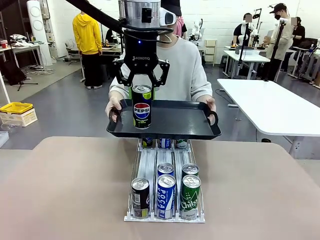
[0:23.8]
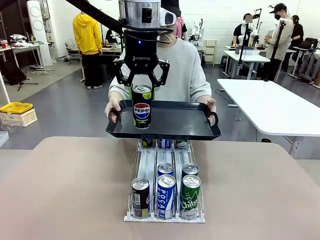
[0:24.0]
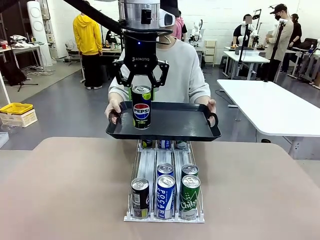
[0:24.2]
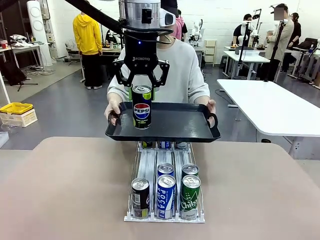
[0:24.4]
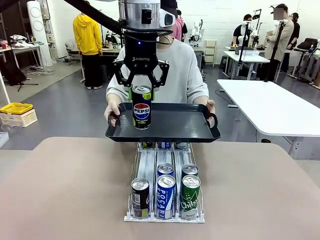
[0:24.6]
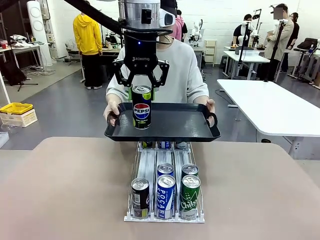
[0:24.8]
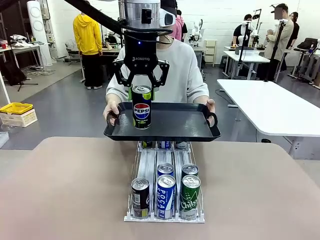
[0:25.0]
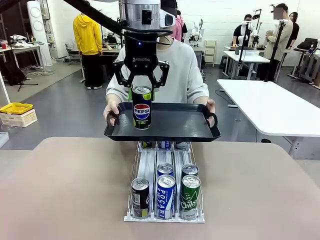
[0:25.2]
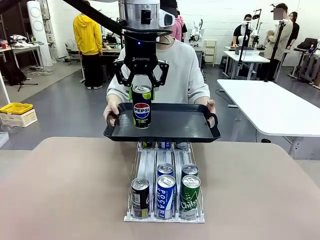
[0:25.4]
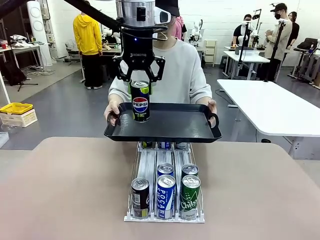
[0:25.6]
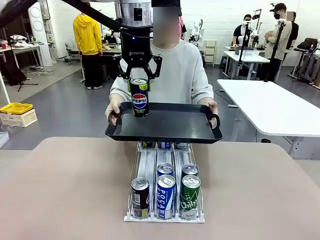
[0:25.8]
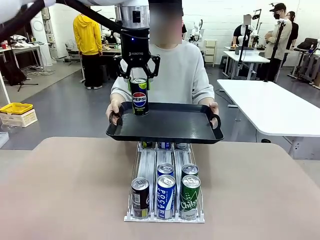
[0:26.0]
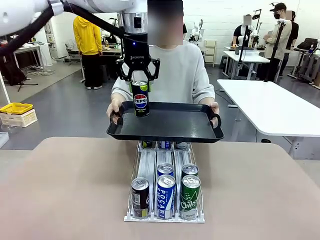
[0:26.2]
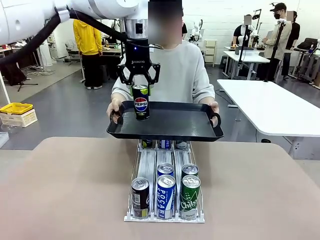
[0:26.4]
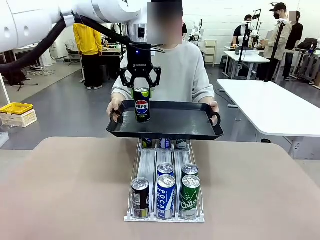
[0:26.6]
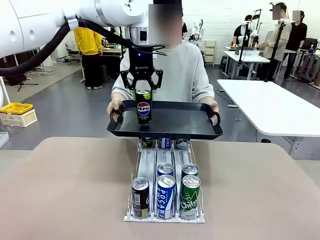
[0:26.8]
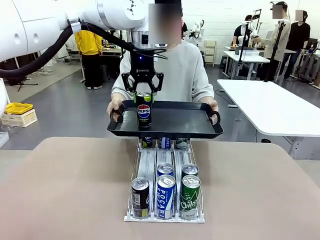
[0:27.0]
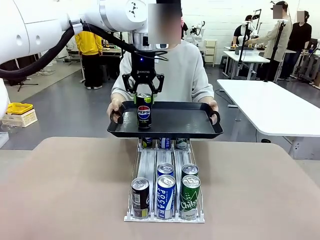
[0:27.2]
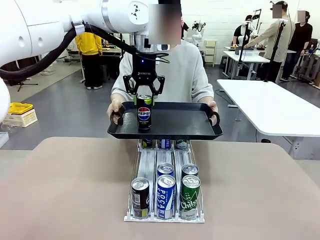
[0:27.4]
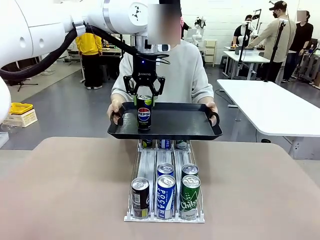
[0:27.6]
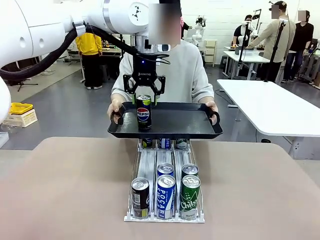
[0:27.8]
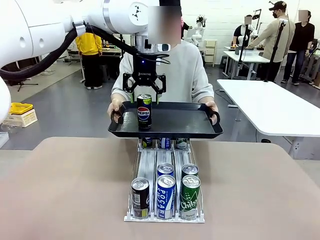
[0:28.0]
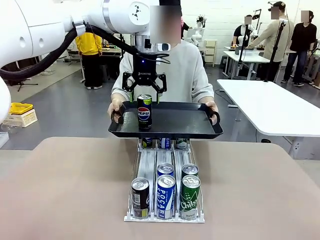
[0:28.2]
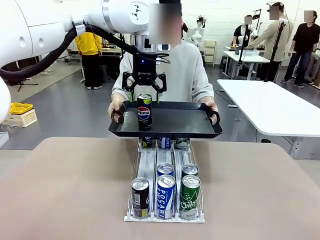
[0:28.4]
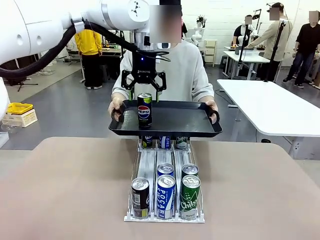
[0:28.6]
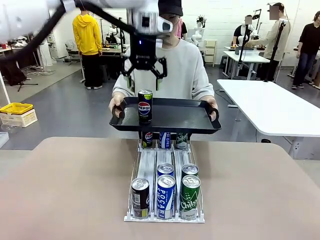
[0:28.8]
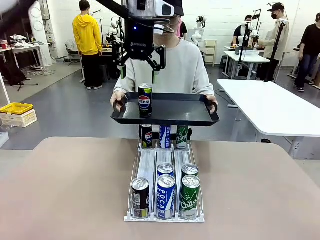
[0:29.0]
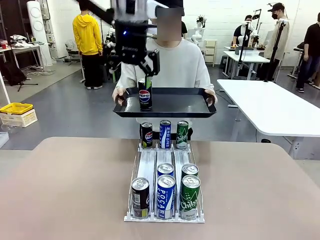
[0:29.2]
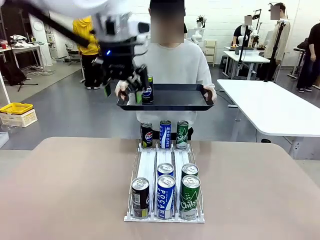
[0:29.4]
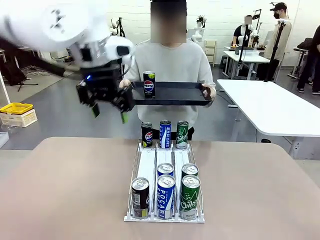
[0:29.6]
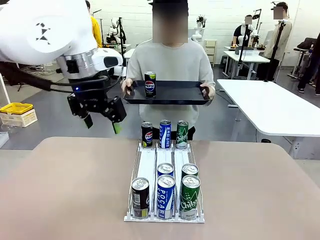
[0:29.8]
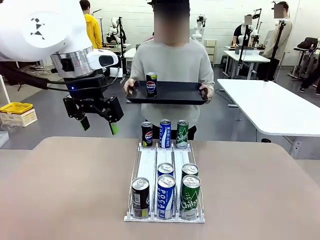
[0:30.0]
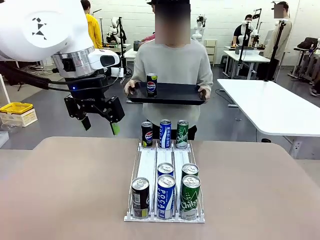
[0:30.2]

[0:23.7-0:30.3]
Task: Retrieve and hand over the desired beverage to the person.
Robot: Place the picked can on the Handle tray extended by the person.

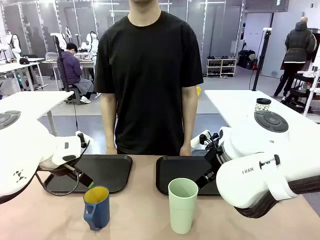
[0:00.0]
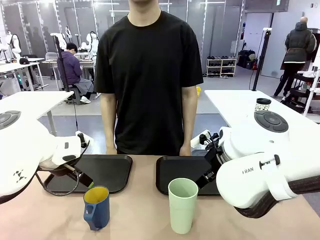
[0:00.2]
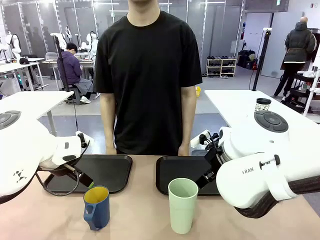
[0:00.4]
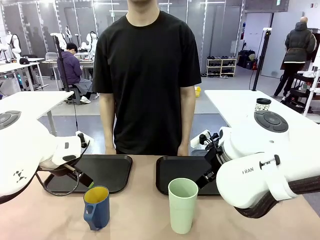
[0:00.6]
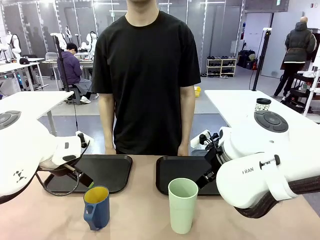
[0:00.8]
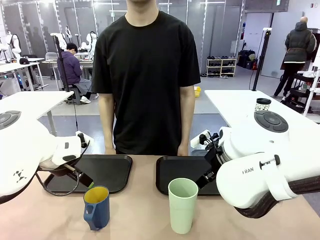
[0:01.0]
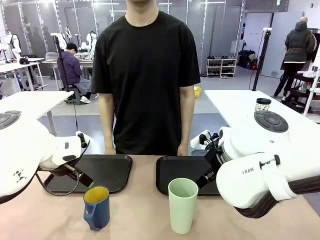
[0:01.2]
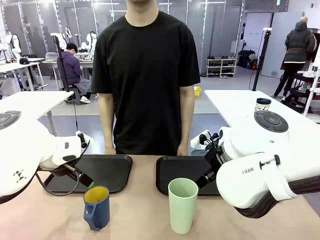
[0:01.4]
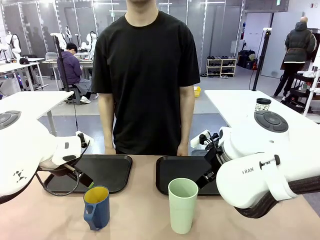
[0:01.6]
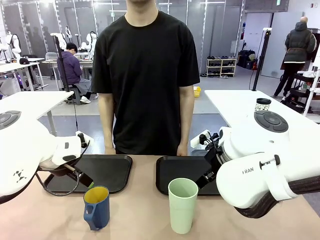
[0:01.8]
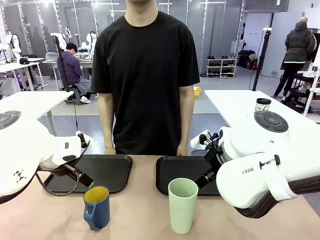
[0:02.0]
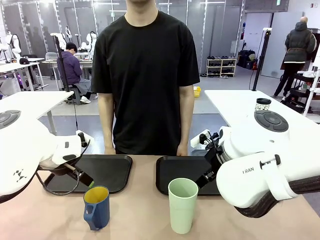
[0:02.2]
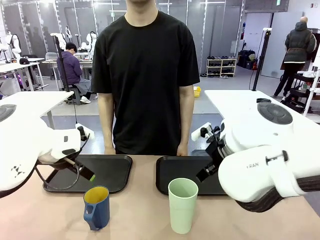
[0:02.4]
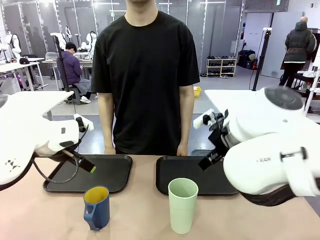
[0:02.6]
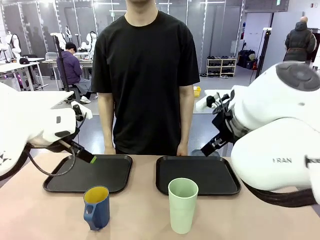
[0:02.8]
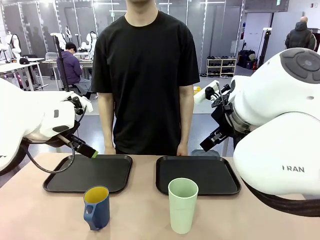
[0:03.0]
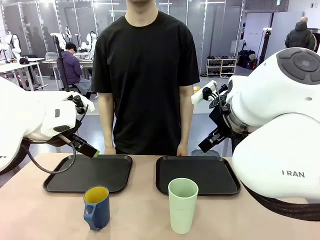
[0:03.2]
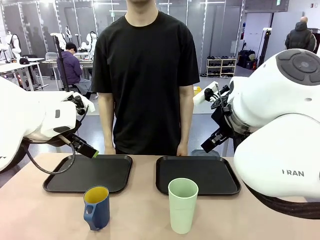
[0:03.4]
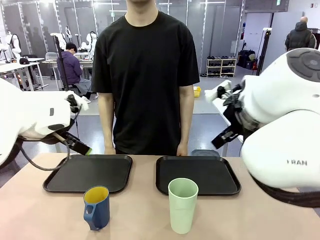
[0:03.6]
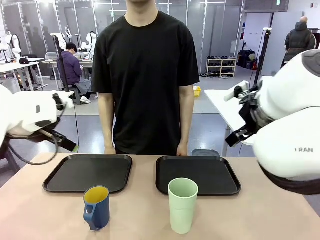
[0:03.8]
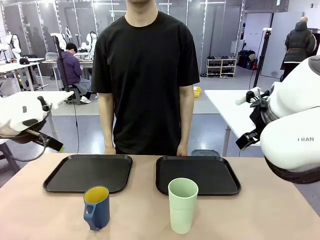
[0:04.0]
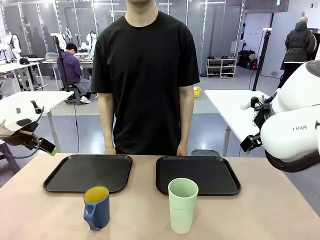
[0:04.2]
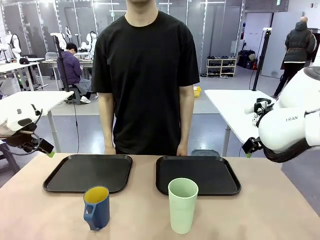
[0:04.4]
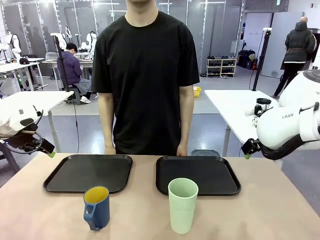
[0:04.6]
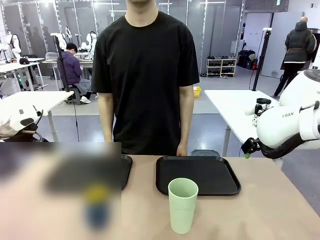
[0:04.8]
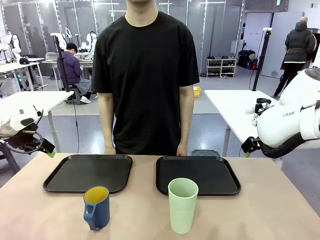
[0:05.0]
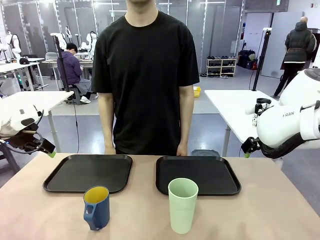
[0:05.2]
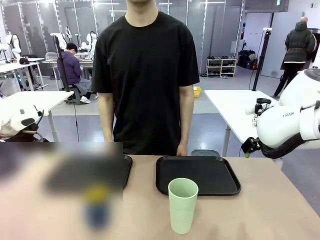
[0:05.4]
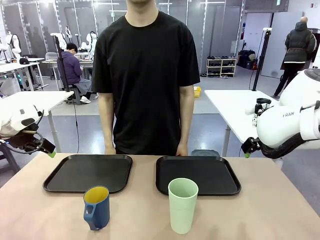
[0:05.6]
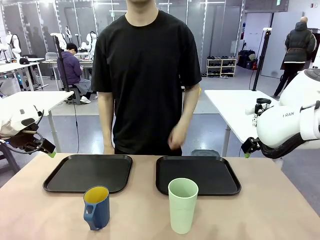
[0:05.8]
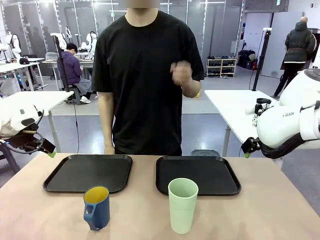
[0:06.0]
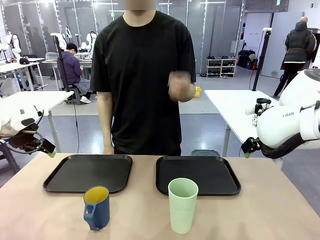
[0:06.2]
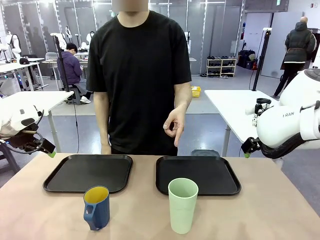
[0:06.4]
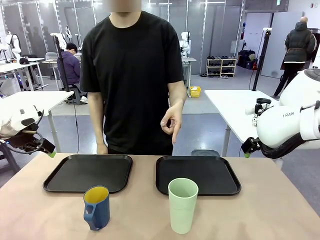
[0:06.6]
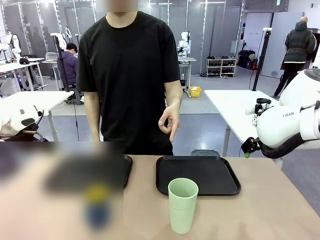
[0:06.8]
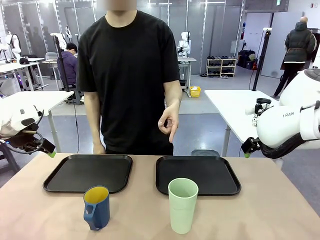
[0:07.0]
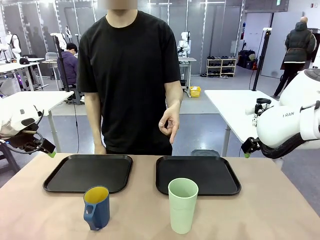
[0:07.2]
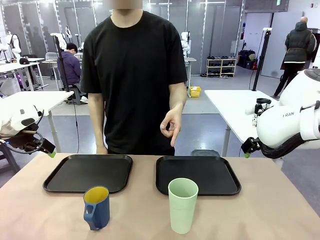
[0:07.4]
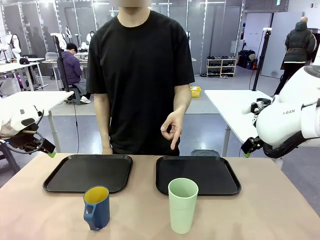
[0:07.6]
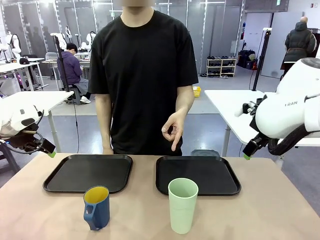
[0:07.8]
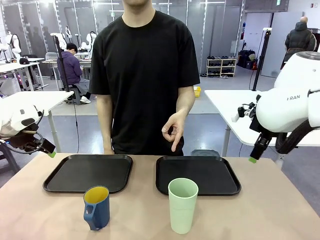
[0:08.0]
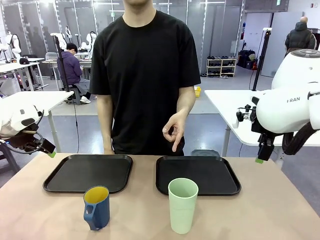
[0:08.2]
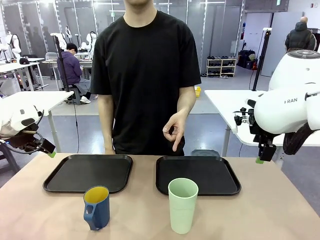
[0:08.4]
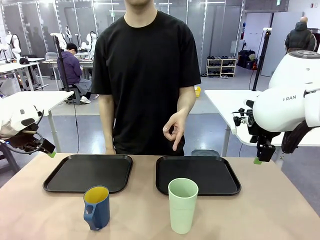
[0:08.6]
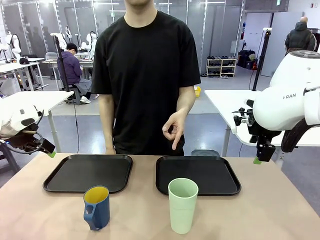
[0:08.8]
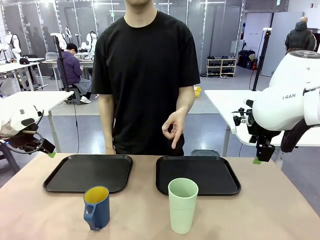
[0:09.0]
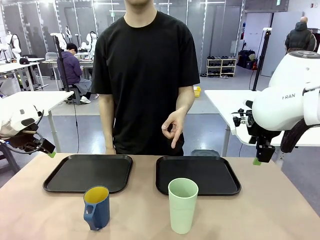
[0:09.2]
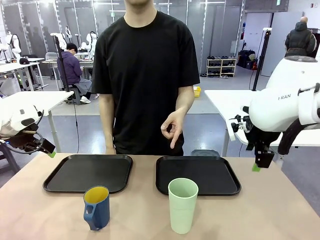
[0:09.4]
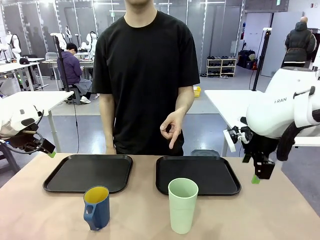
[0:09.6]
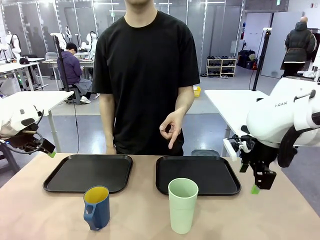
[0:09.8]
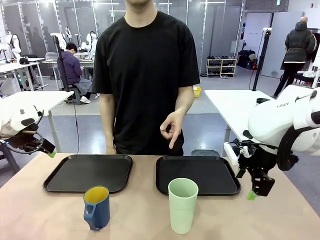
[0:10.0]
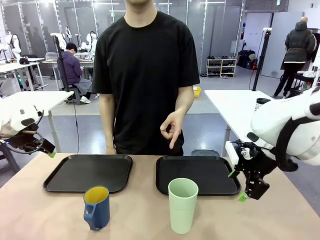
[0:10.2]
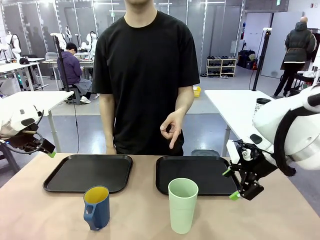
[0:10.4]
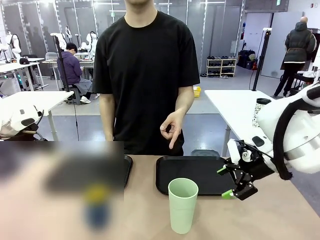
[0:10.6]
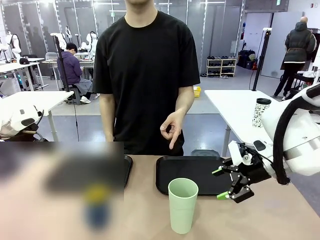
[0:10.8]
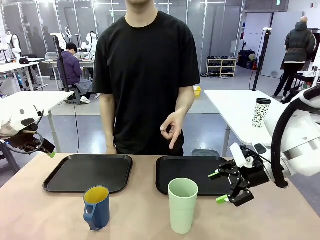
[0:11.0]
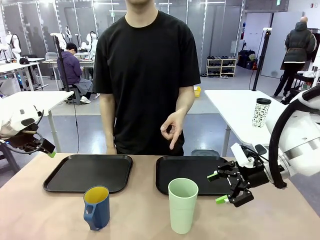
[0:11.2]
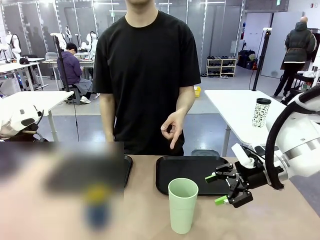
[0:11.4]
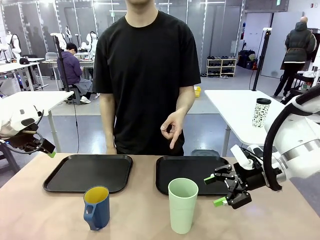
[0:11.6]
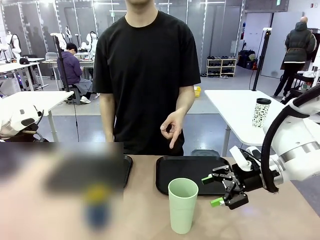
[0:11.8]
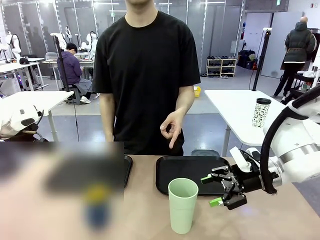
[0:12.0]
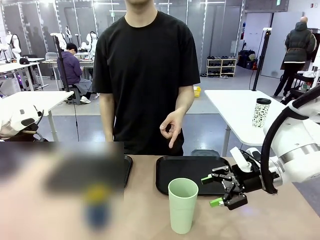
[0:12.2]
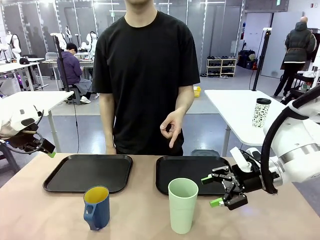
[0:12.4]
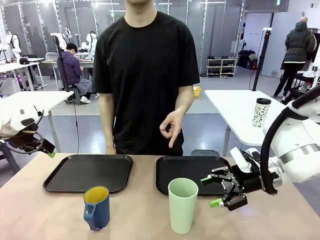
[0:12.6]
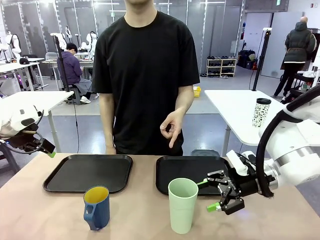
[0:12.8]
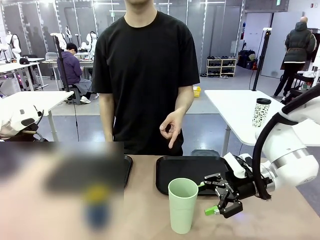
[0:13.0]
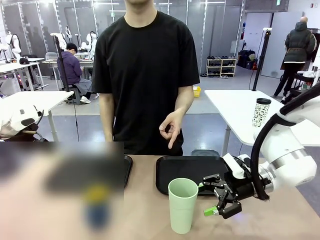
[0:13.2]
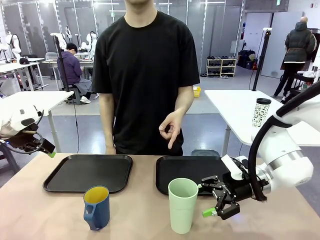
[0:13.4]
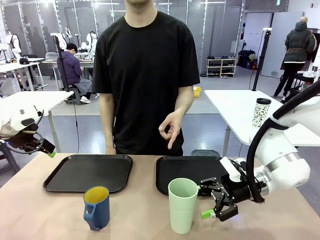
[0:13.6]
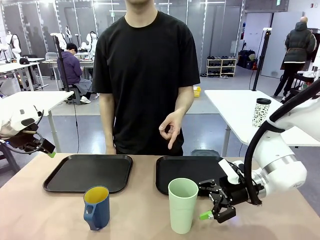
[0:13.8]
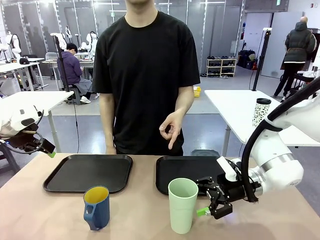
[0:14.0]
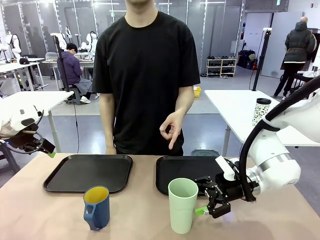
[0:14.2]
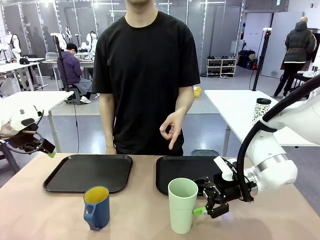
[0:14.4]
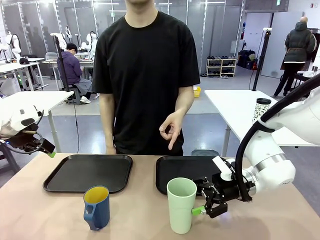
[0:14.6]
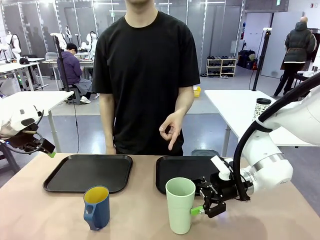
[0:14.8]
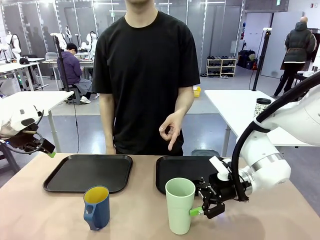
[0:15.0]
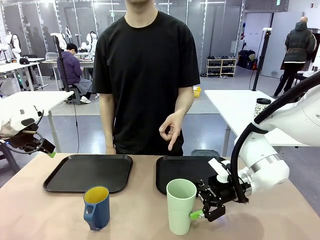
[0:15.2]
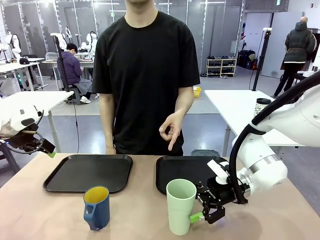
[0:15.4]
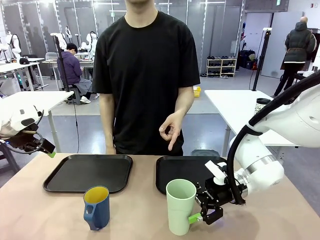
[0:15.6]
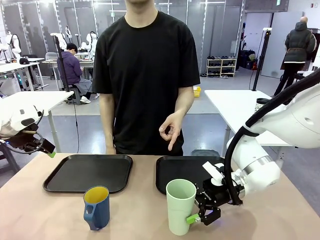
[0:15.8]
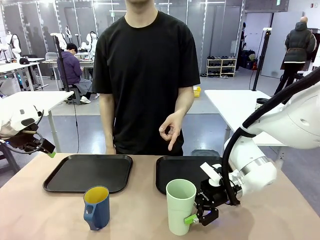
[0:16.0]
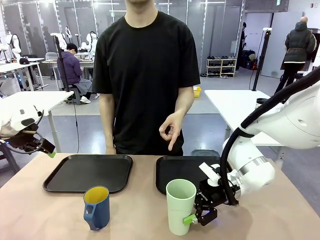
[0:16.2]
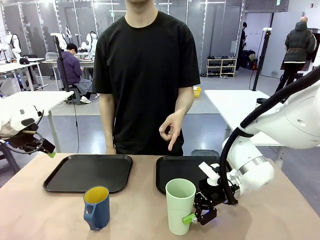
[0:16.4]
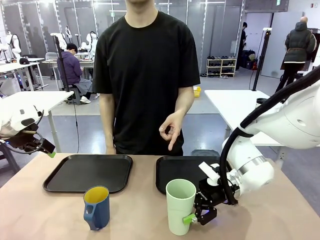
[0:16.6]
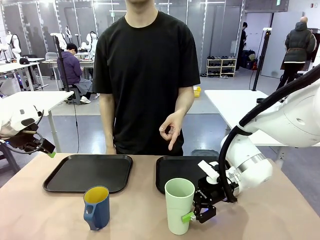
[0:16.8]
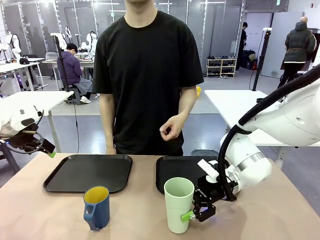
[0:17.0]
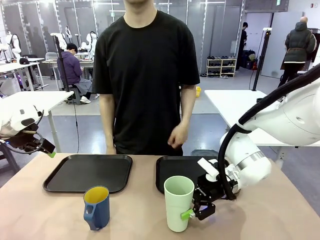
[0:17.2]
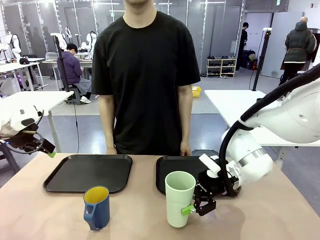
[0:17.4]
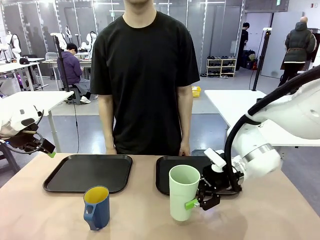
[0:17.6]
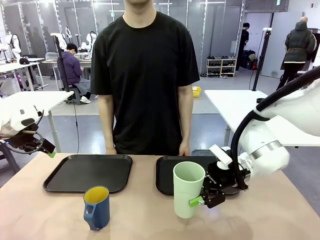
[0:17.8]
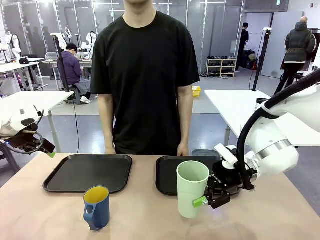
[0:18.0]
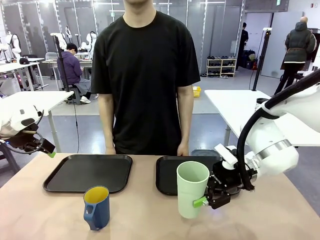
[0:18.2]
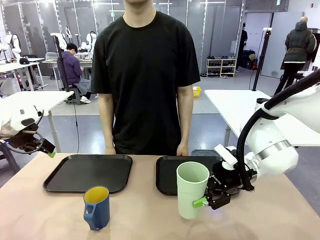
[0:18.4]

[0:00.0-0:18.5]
Task: Sort and store the cups by type.
Robot: Pick up the Reusable plastic cup.
Person: Points to the reusable cup. Point to one of the two trays.
